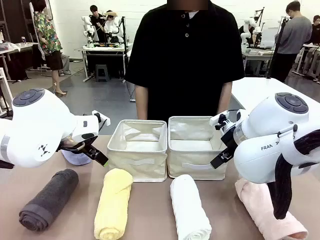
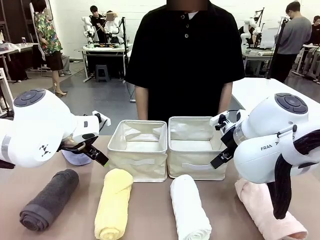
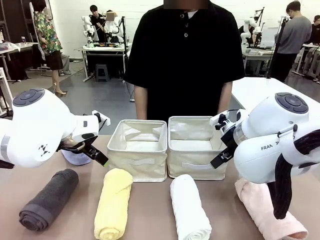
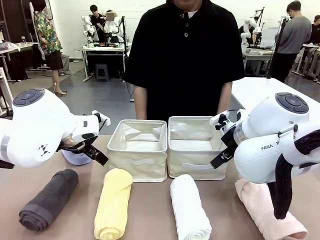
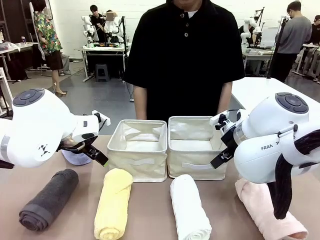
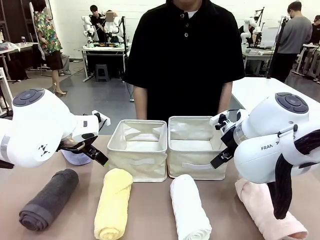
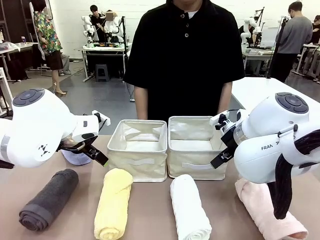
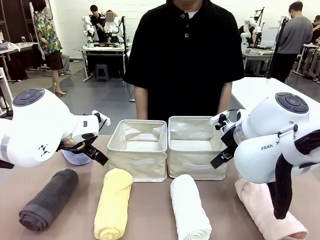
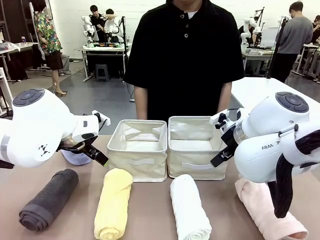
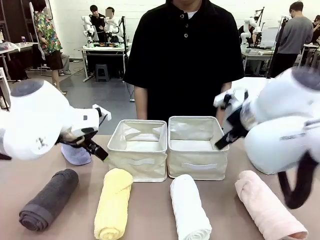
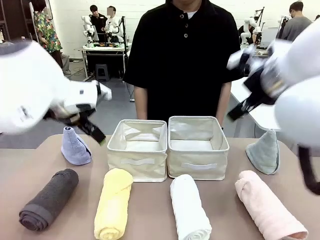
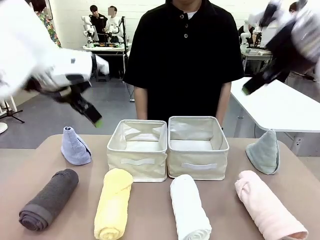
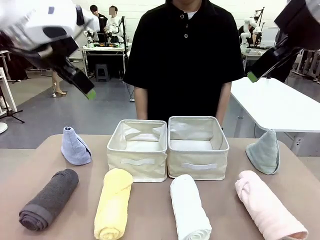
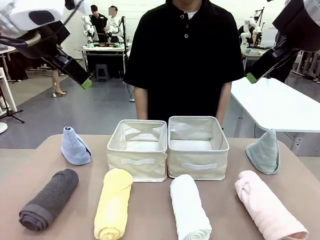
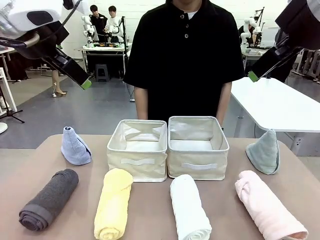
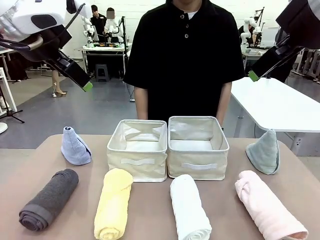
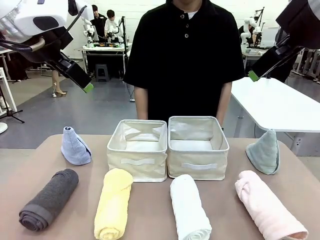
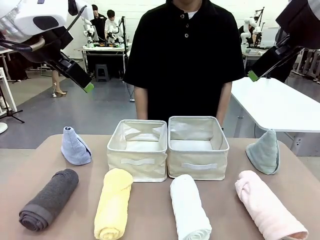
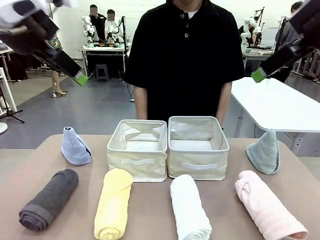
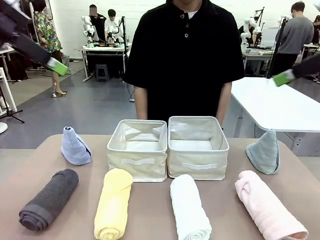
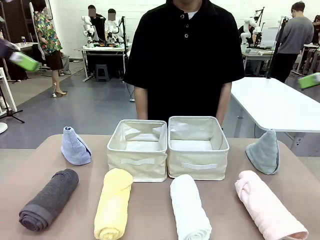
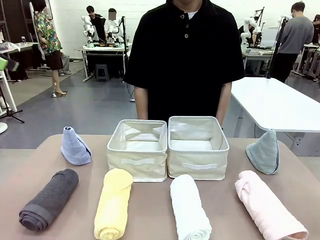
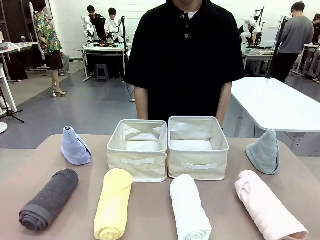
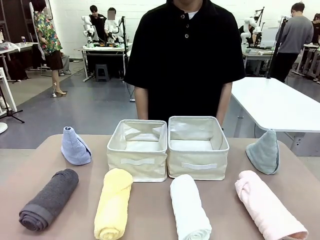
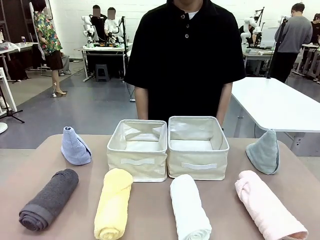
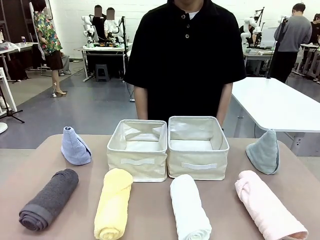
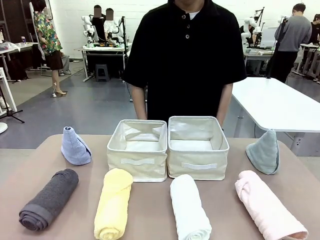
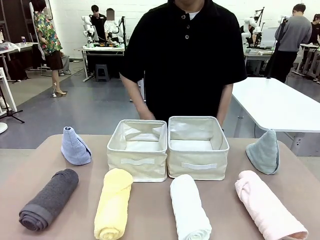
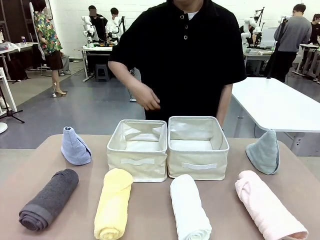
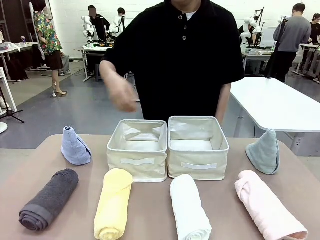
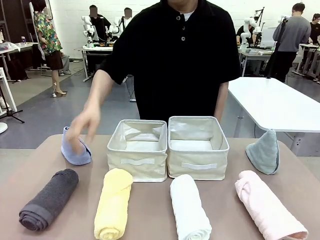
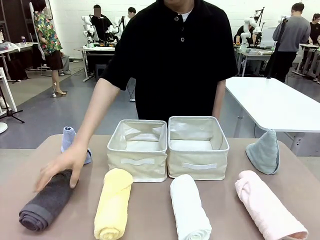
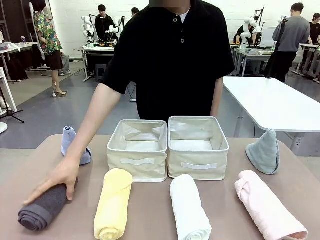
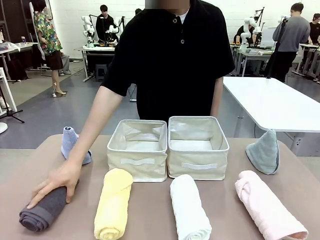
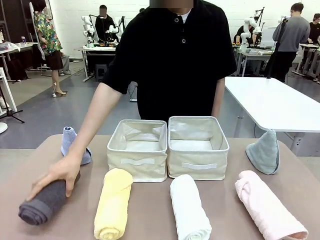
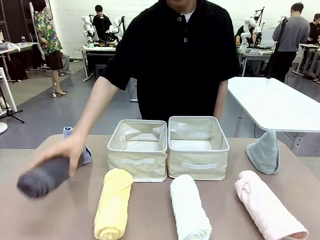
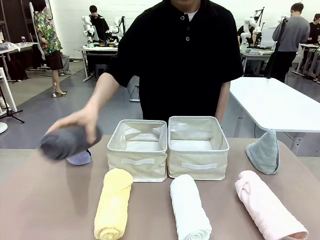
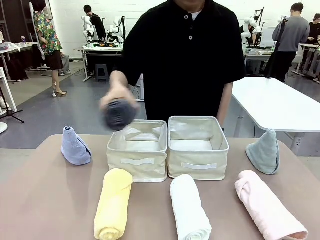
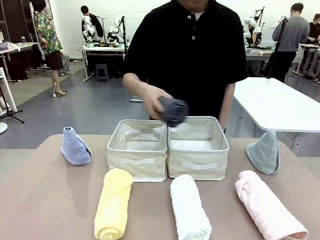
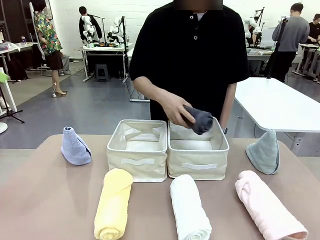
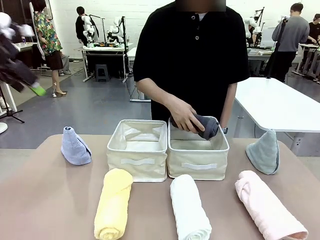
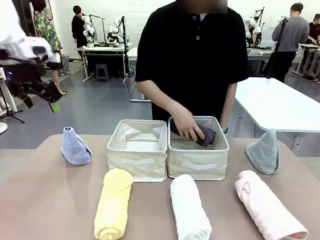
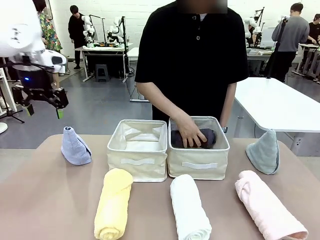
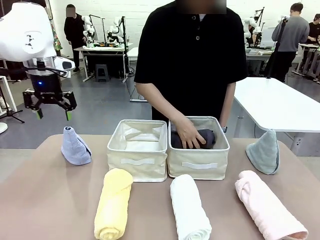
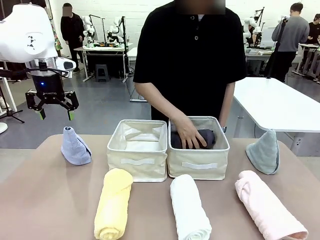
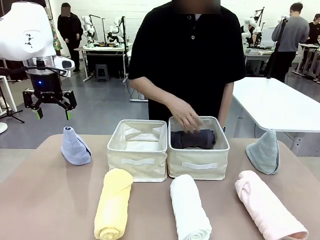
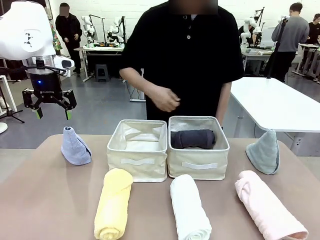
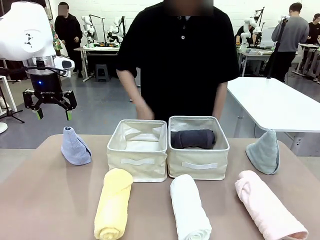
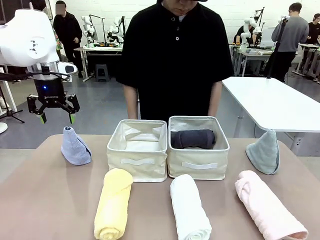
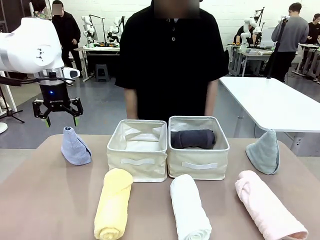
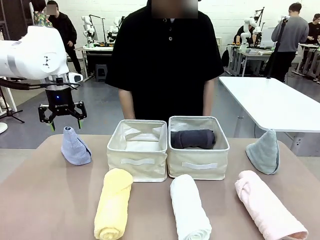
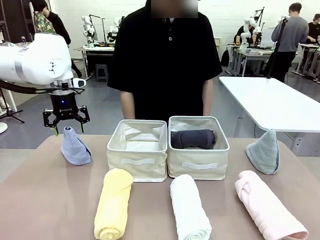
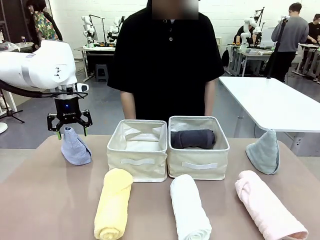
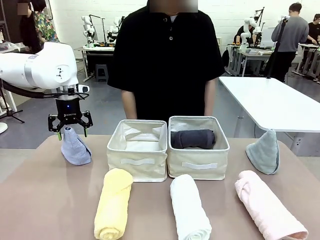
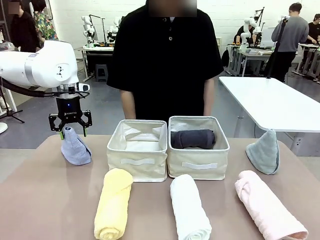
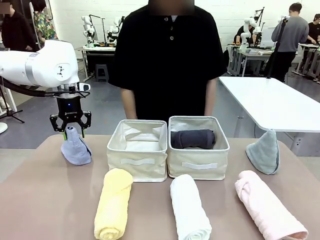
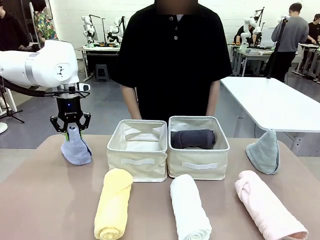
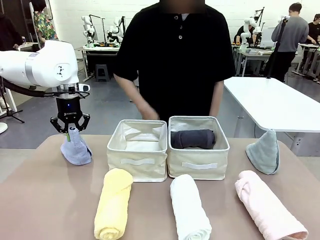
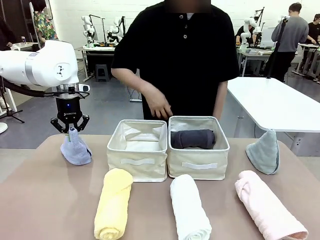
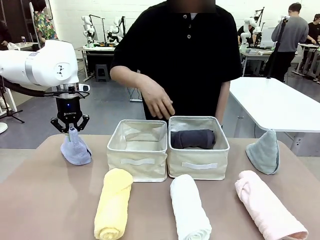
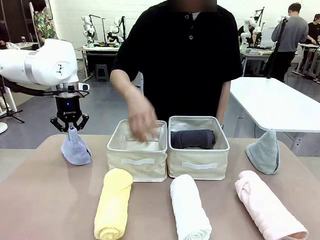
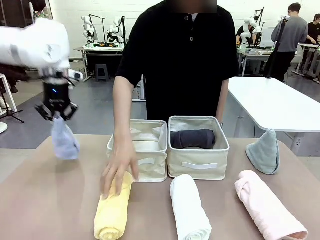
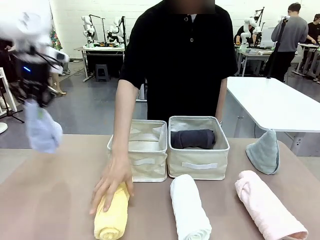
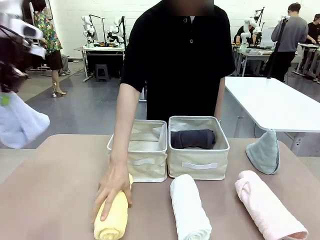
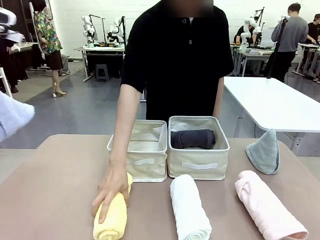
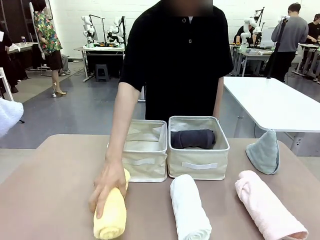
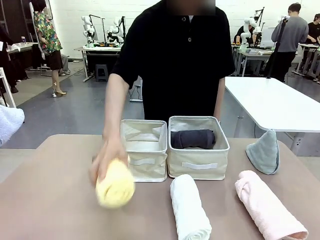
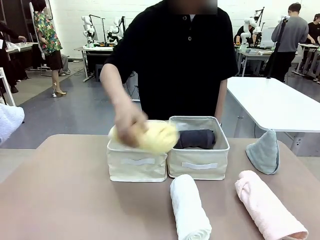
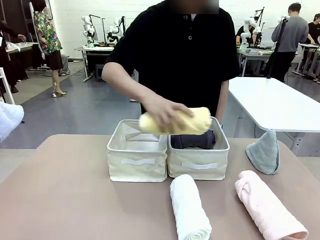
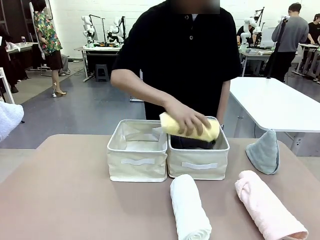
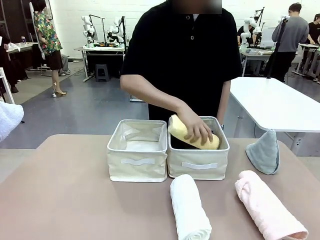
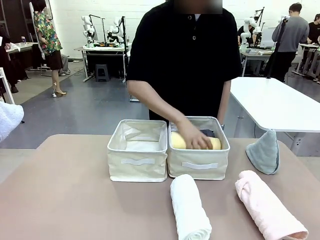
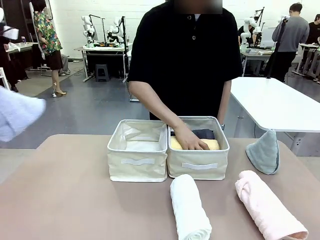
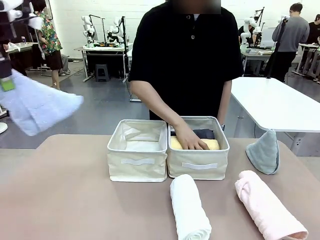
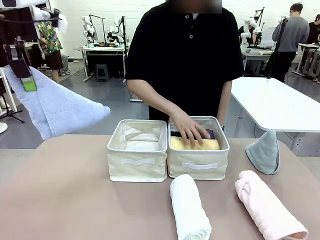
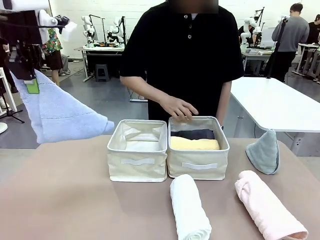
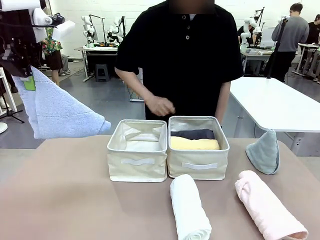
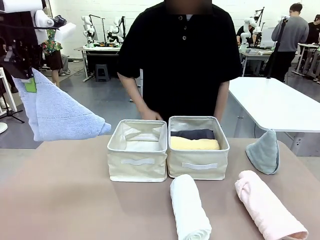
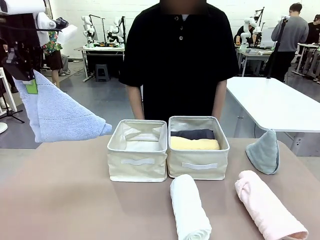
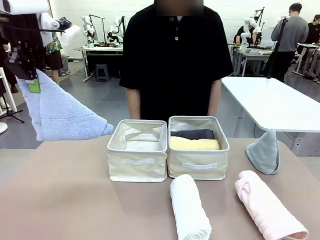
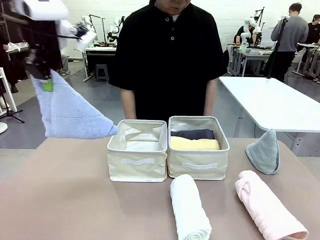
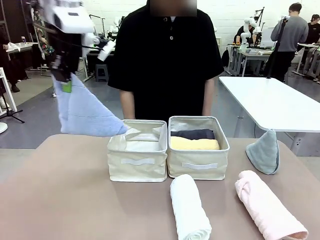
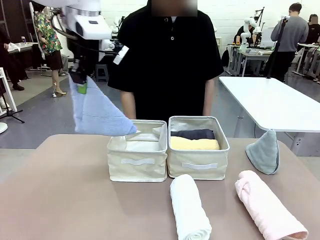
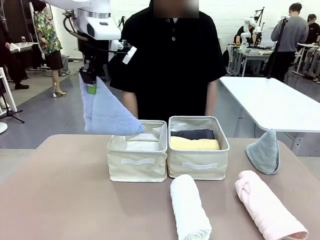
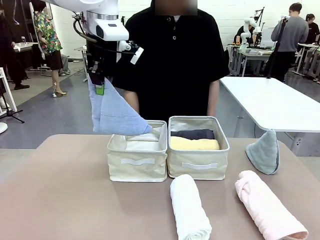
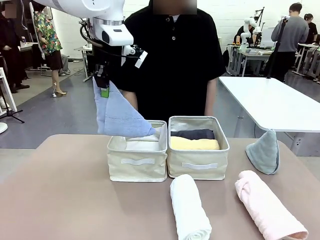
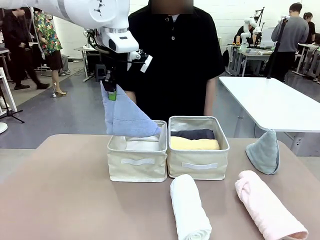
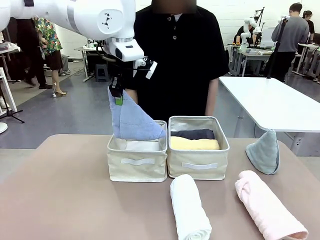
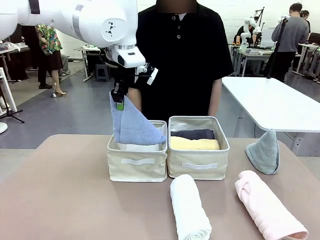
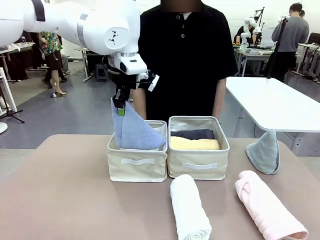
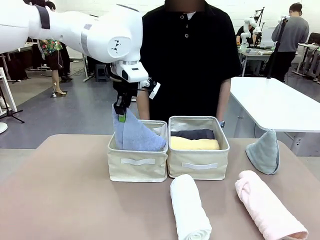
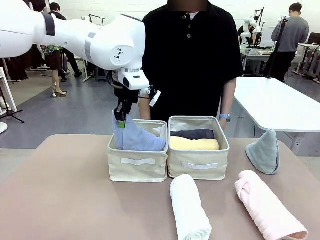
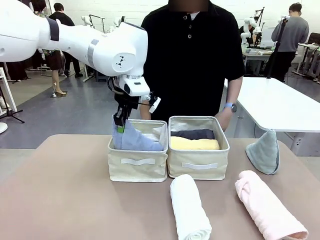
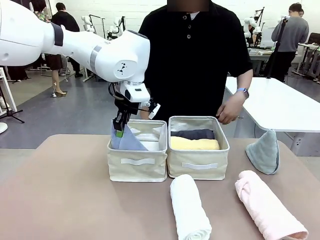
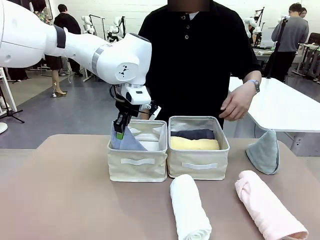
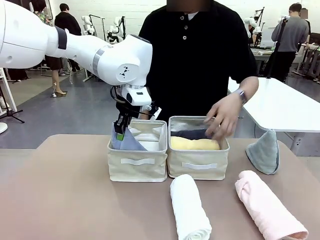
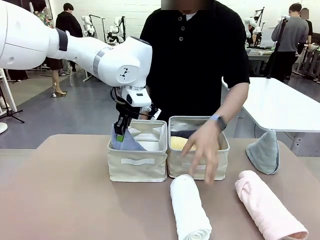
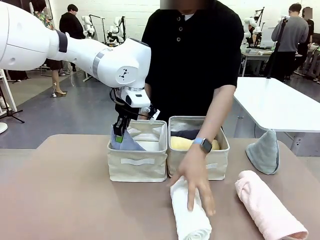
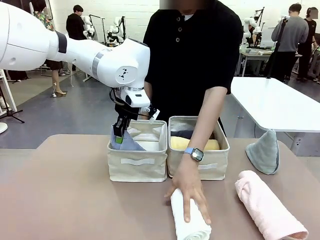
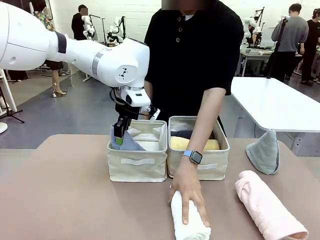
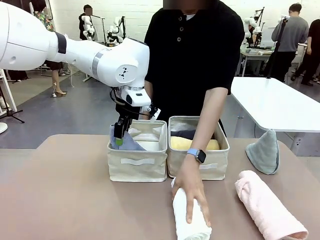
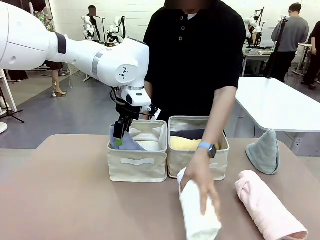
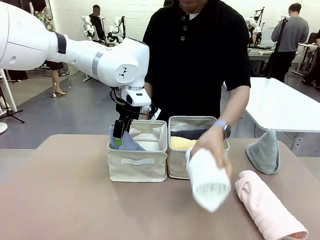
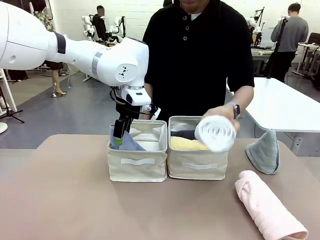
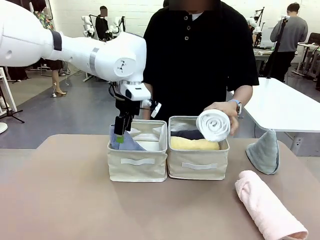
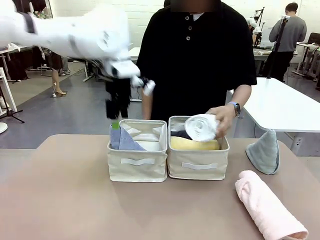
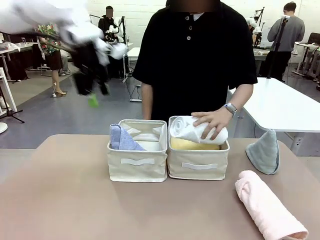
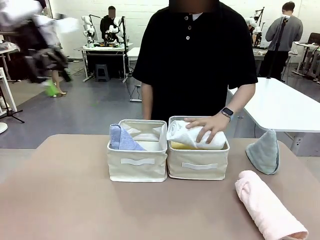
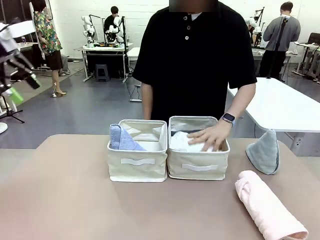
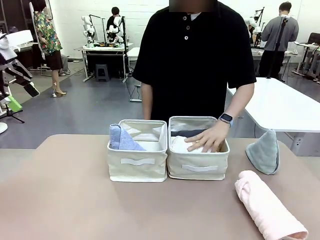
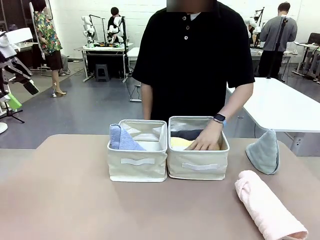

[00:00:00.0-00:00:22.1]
Task: Sort the towels based on their folding style.
Robot: Pick up one triangle-folded towel and place it in the left Fabric basket.
Person: Pick up one hotel-style rolled towel and place it in the left fabric basket.
